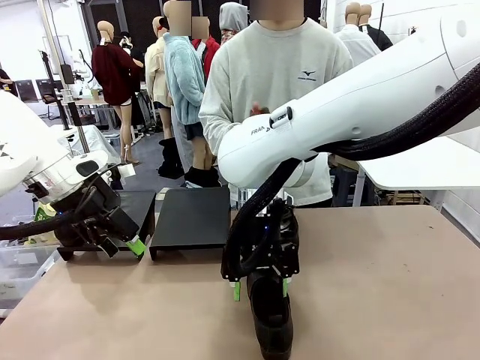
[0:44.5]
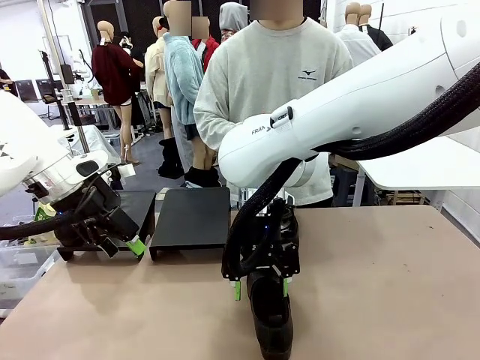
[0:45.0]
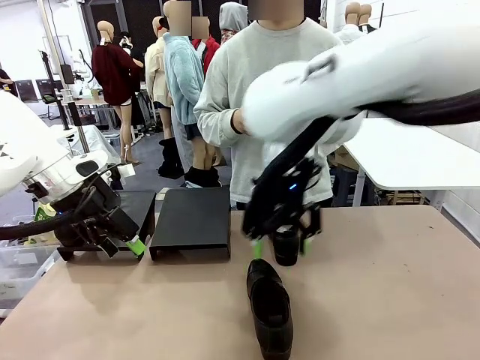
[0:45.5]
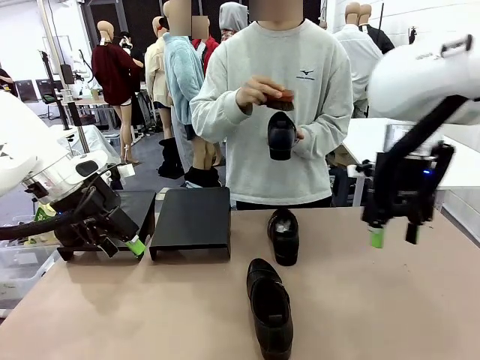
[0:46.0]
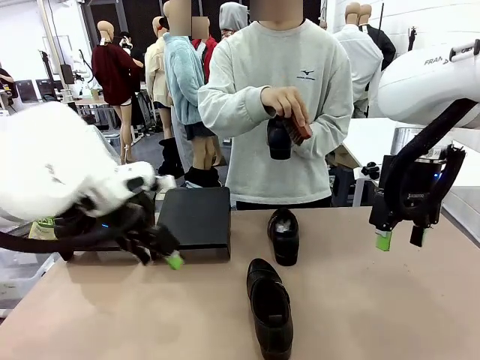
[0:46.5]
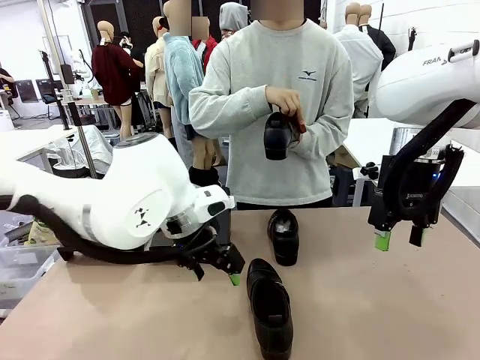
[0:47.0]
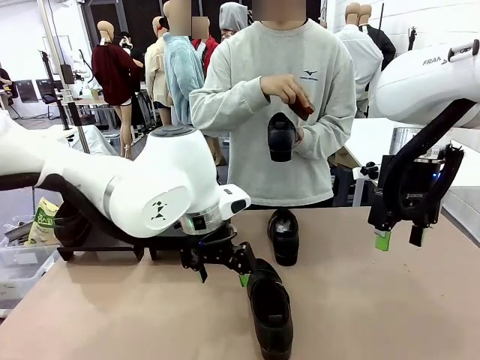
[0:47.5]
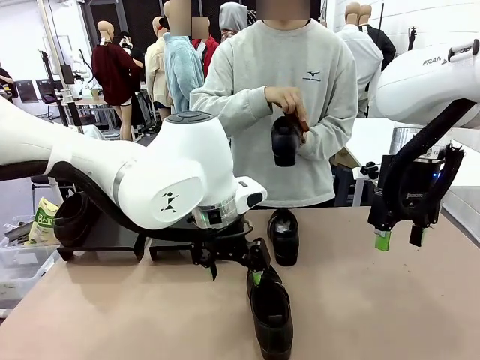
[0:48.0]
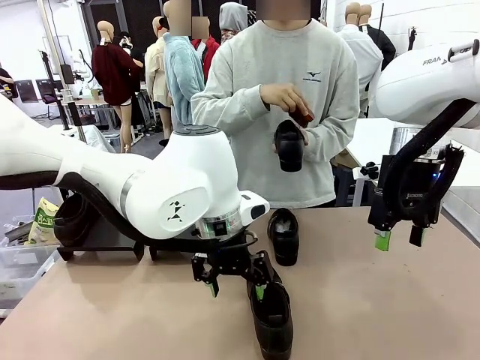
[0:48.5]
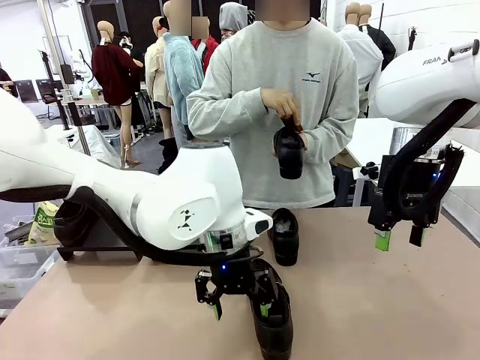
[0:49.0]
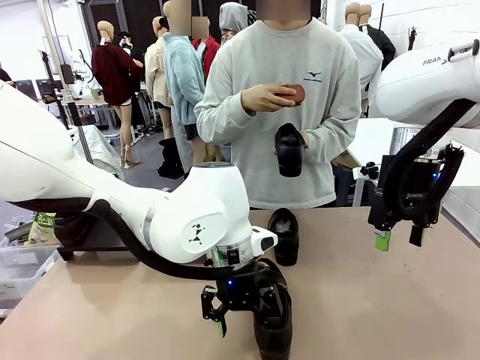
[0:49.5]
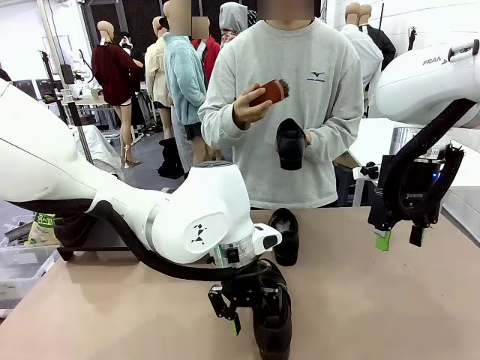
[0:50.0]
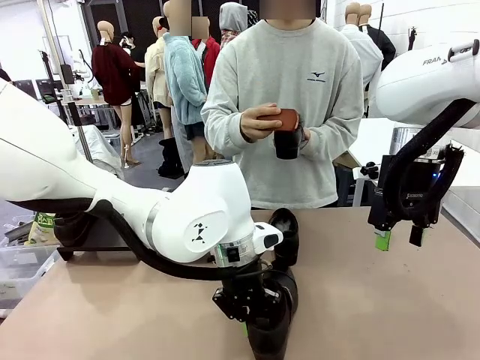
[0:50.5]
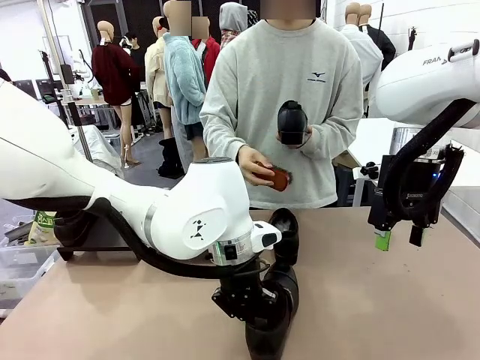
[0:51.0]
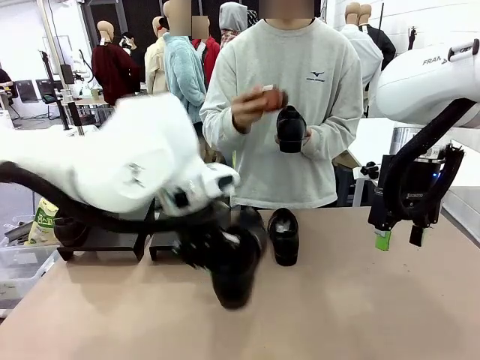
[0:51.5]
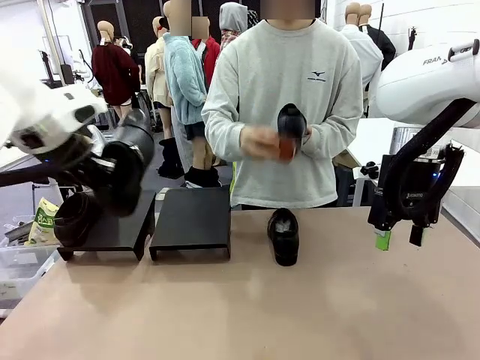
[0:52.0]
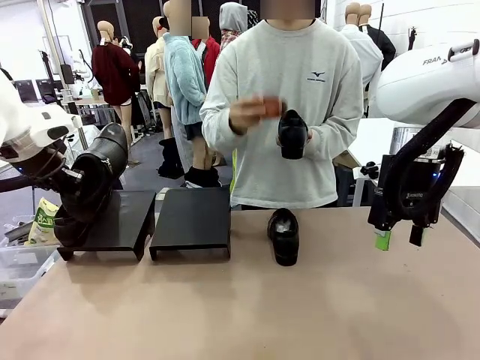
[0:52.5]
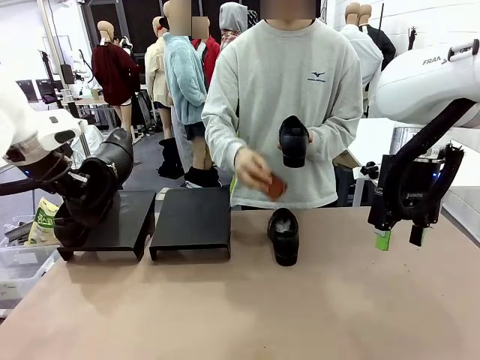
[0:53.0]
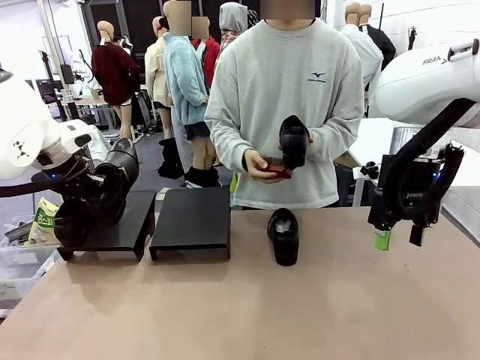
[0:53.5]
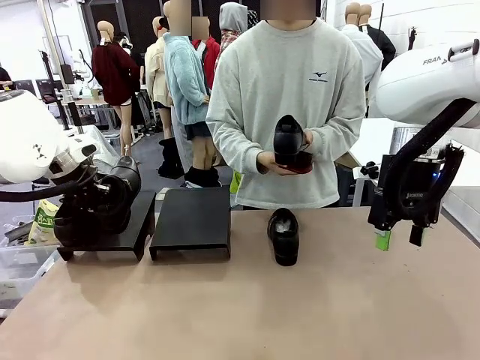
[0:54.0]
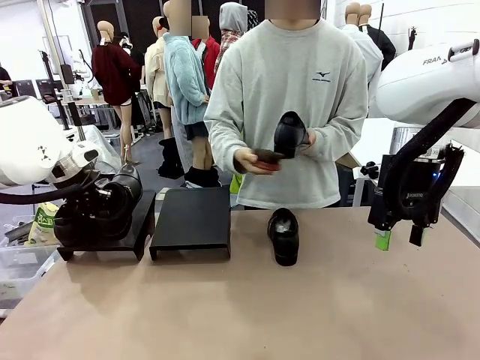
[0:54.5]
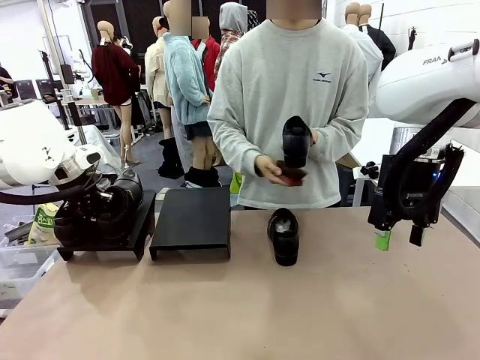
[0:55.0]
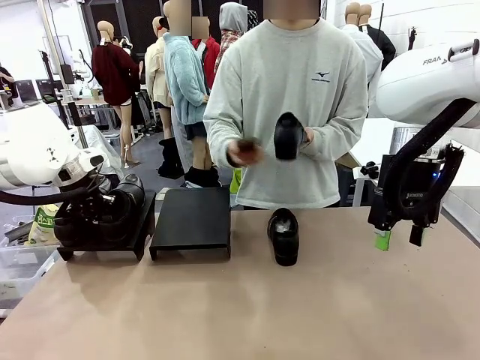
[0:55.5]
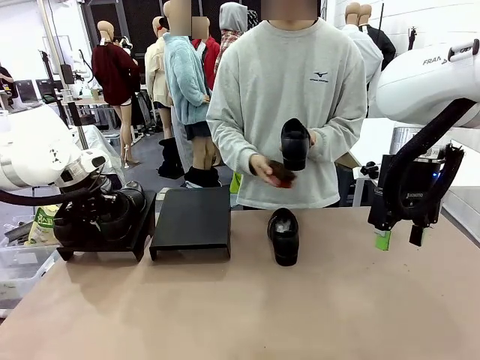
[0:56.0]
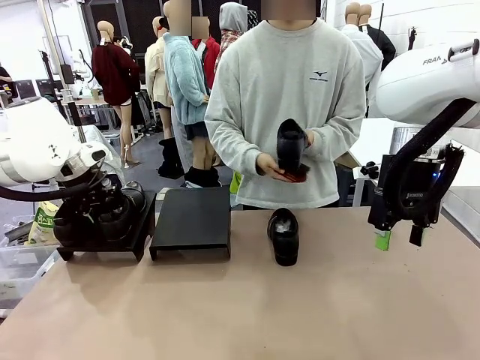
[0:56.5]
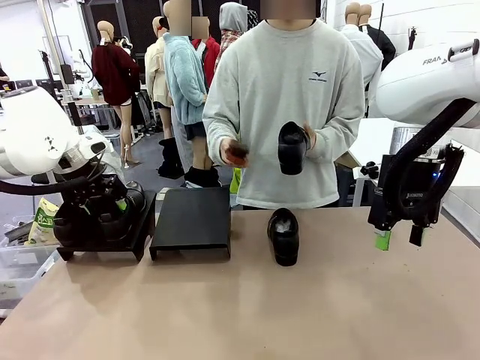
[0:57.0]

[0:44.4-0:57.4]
Task: Organize the shoes by placing them on the stand.
Robot: Place the Shoe from the middle of the table onto the Shoes Stand.
Person: Clean the Shoe with the Shoe Brush.

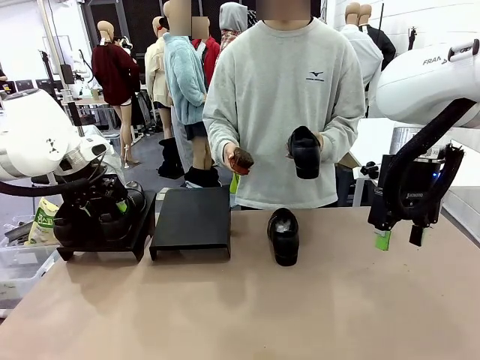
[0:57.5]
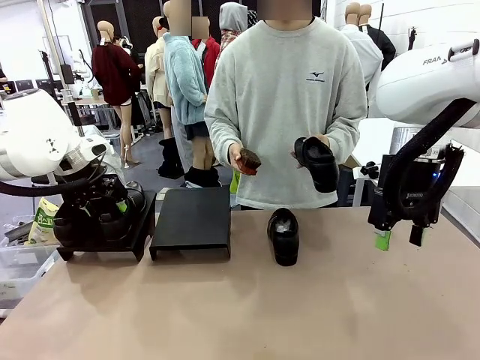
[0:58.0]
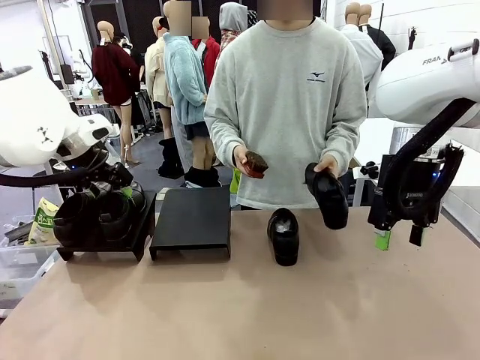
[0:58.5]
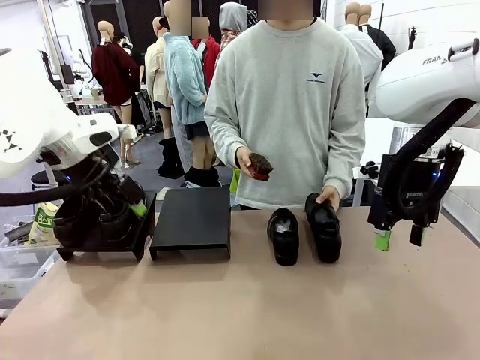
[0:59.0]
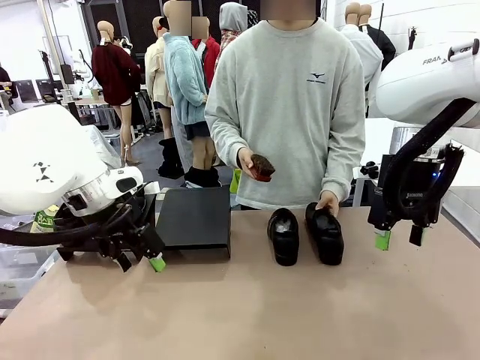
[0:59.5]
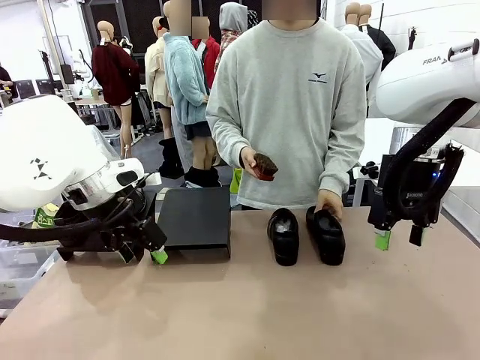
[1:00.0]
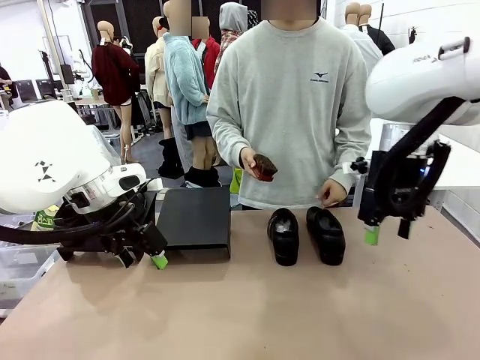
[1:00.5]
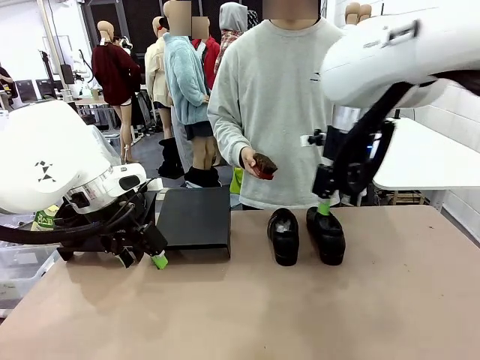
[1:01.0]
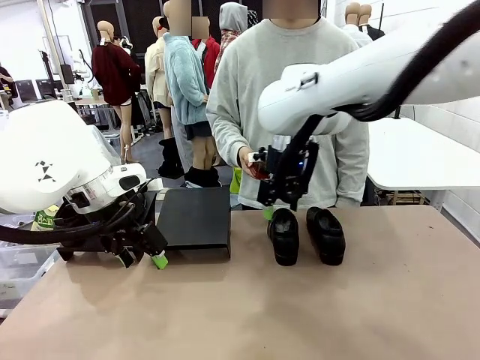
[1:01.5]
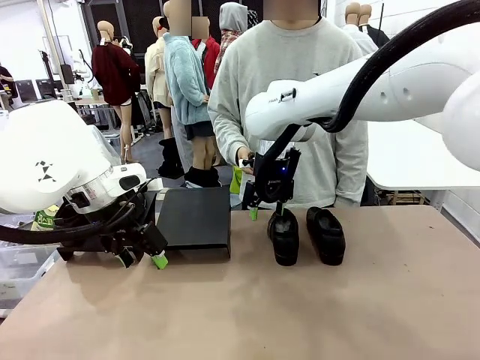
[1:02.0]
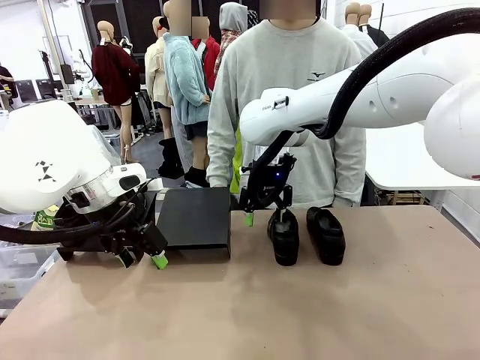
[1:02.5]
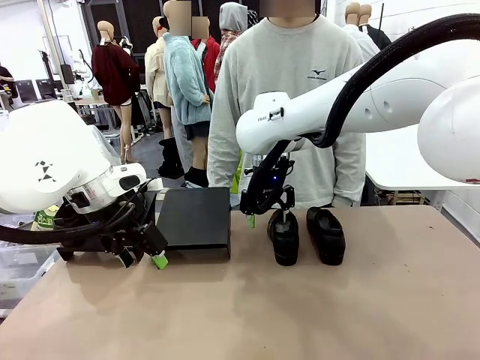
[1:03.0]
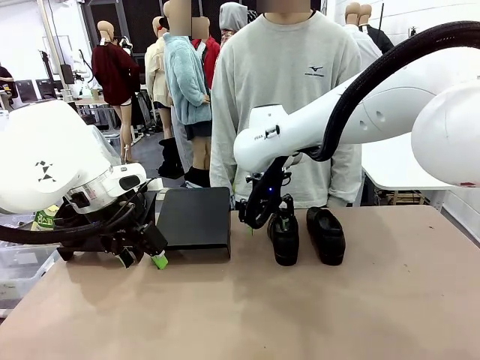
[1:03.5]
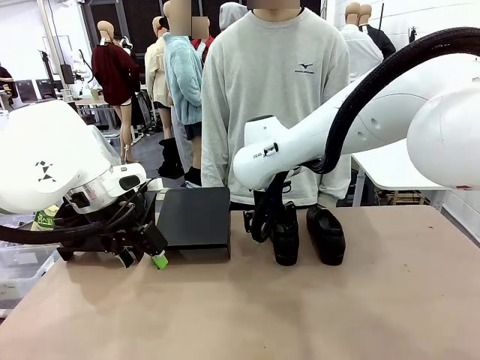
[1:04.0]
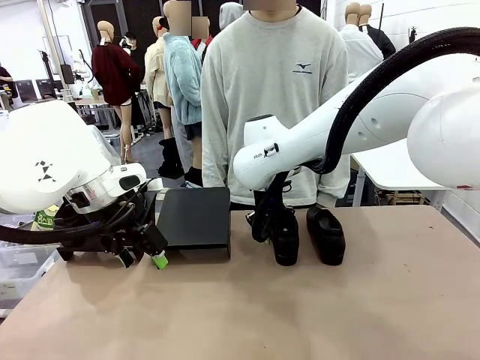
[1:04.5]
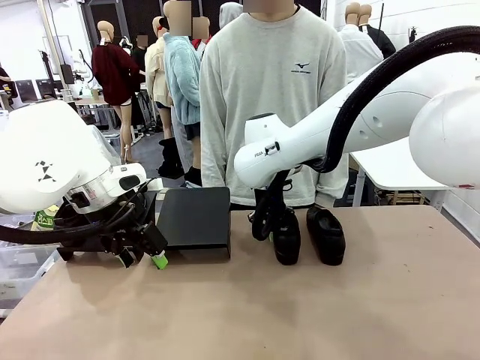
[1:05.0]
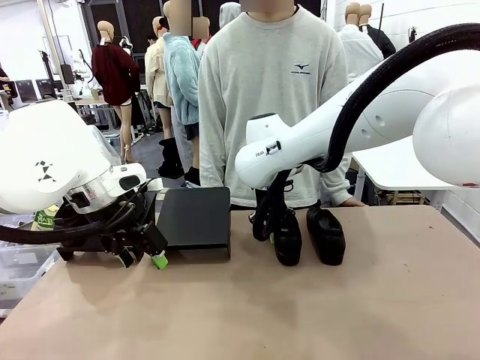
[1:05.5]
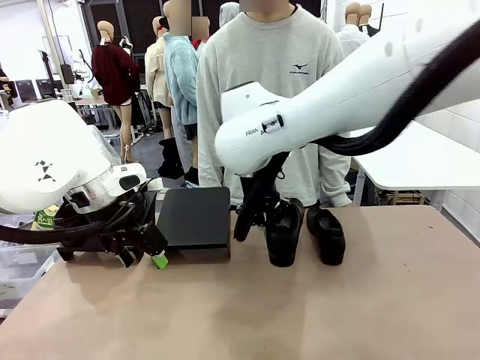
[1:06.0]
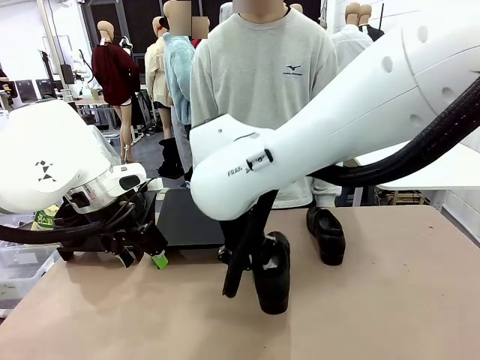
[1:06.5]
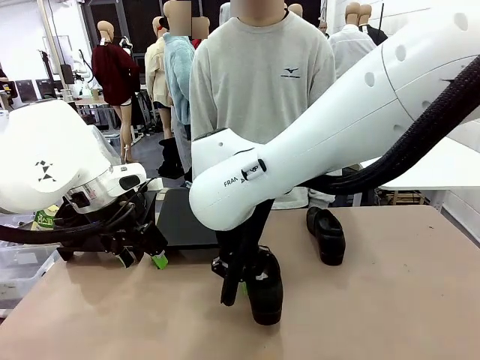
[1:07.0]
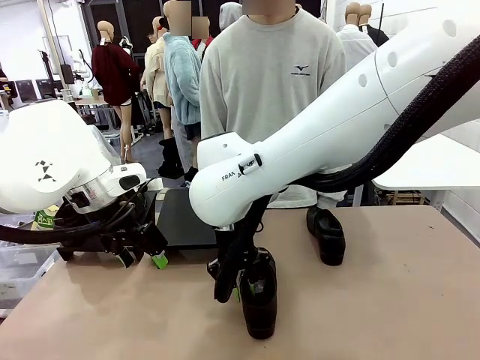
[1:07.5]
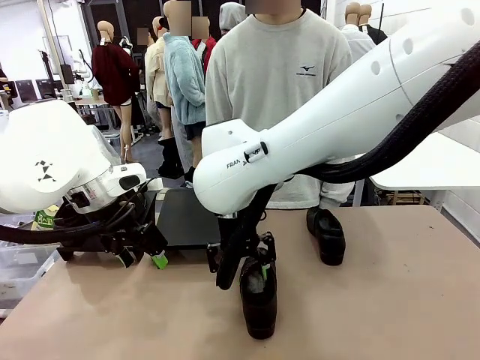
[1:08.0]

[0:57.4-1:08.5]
Robot: Pick up one Shoe and place it in the middle of the table.
